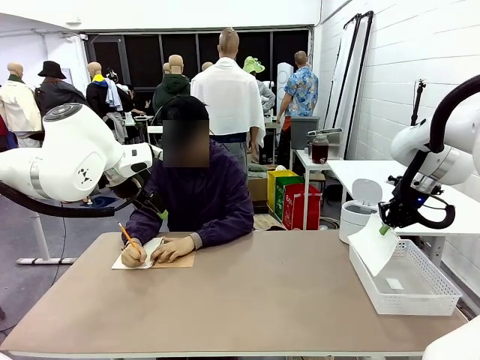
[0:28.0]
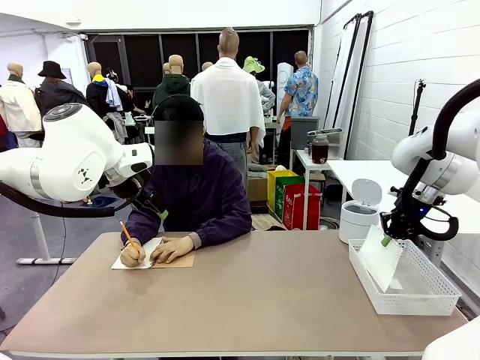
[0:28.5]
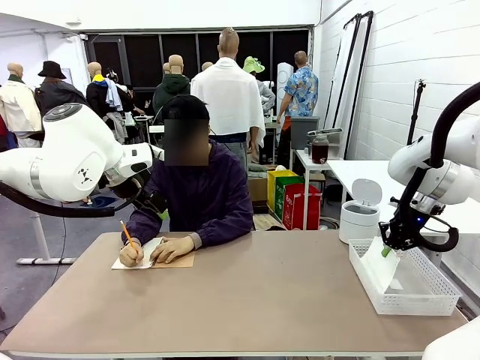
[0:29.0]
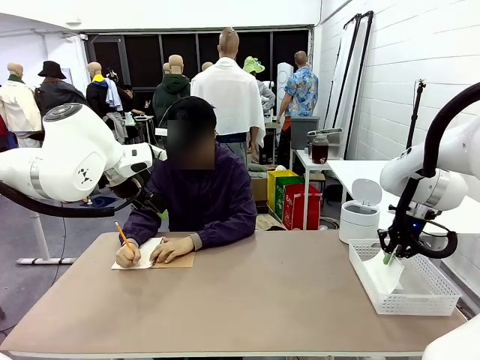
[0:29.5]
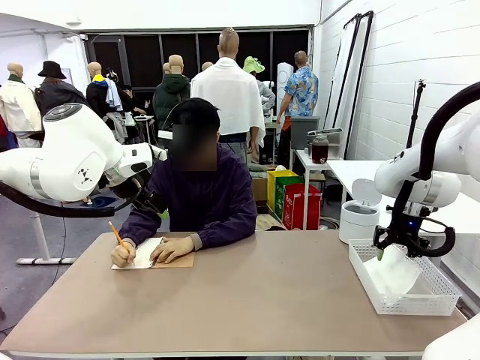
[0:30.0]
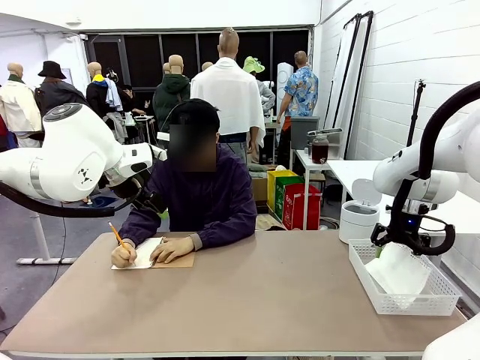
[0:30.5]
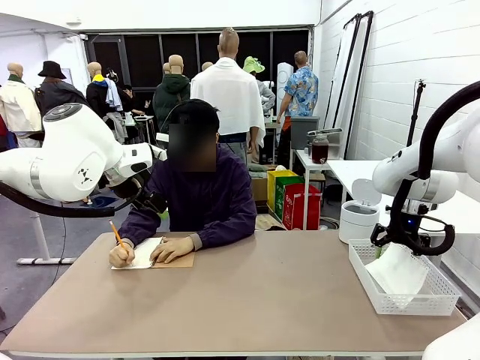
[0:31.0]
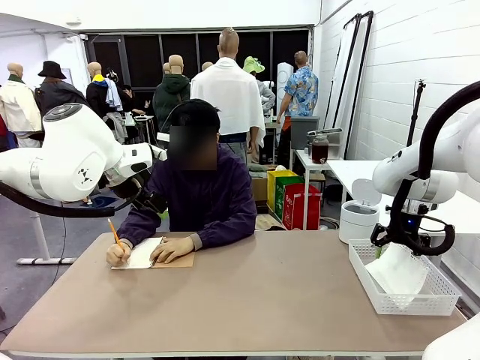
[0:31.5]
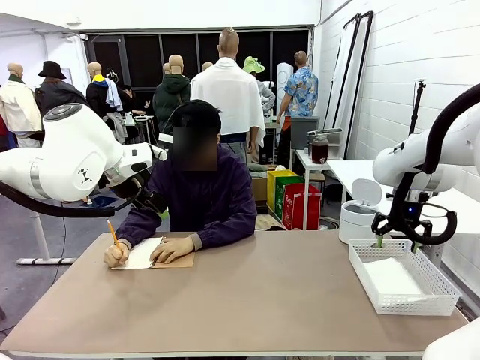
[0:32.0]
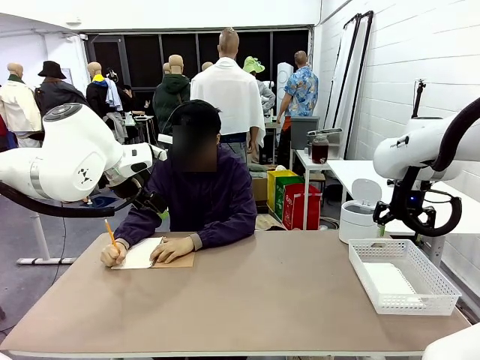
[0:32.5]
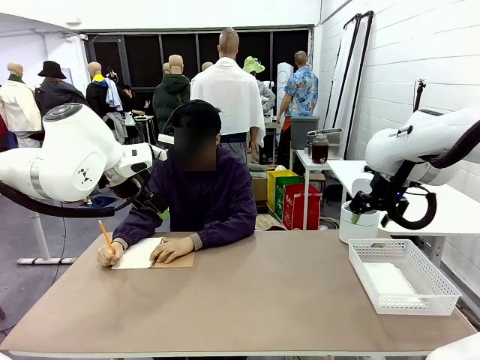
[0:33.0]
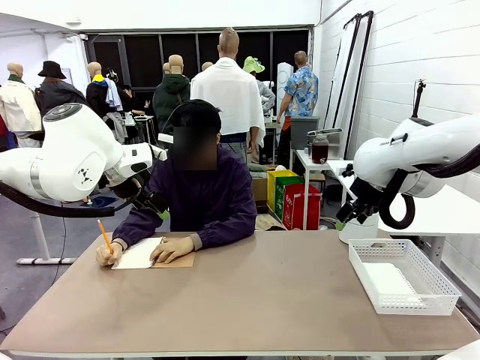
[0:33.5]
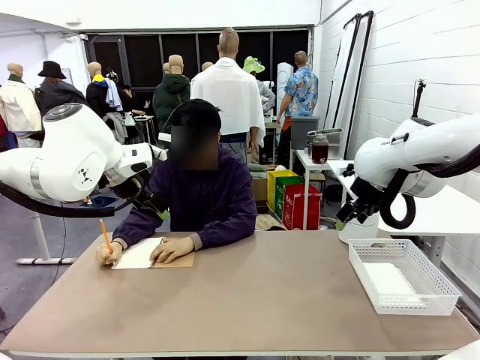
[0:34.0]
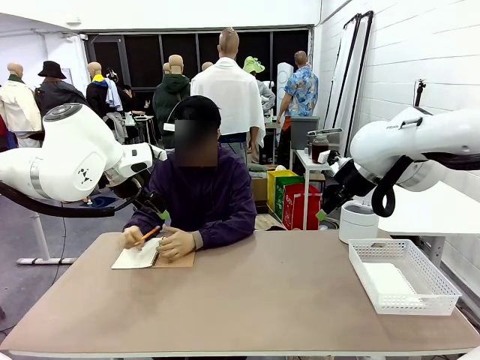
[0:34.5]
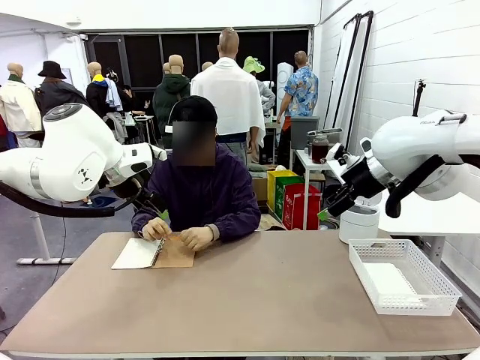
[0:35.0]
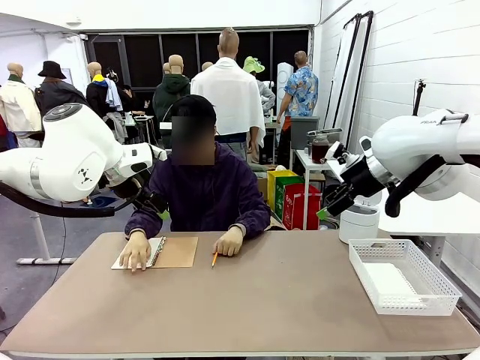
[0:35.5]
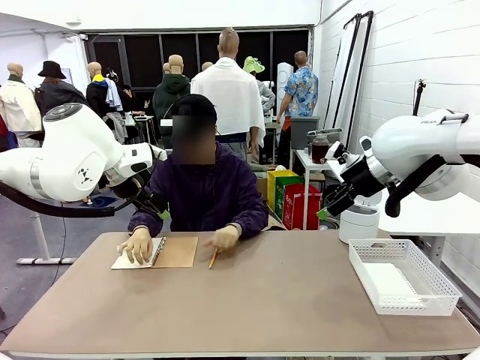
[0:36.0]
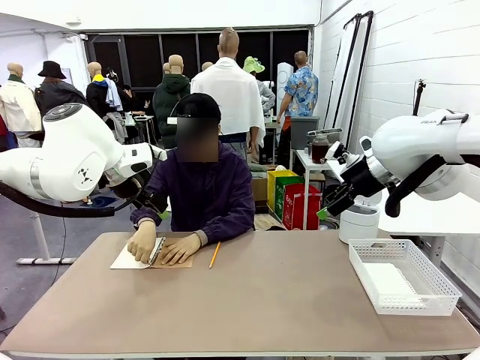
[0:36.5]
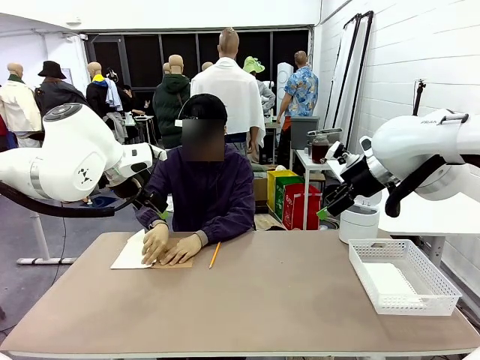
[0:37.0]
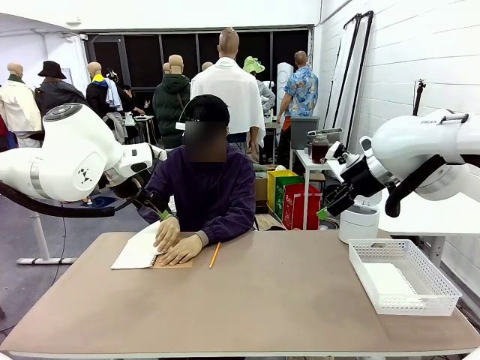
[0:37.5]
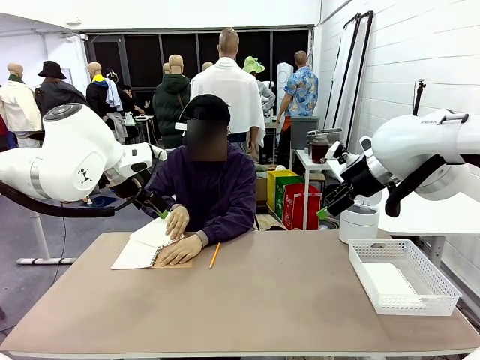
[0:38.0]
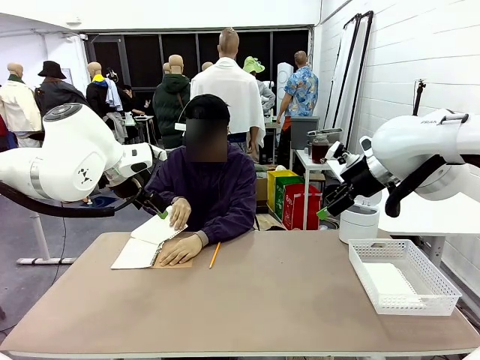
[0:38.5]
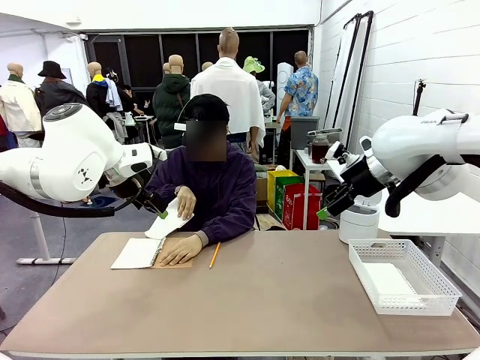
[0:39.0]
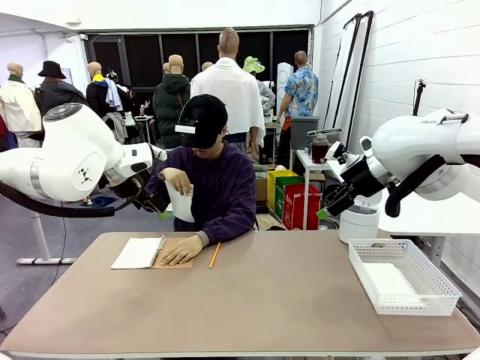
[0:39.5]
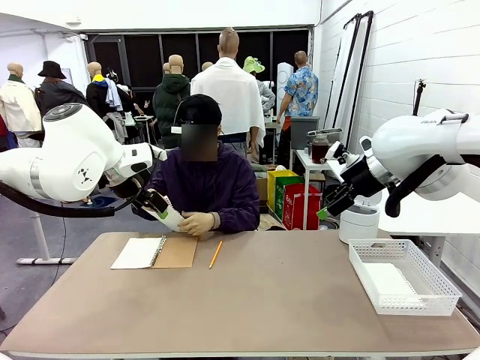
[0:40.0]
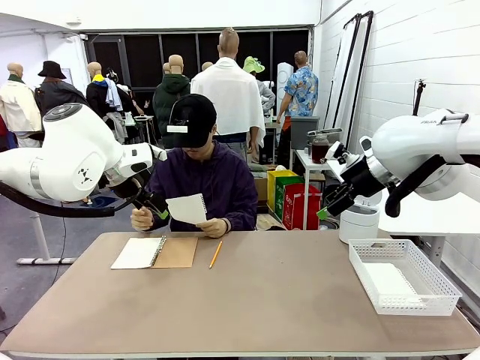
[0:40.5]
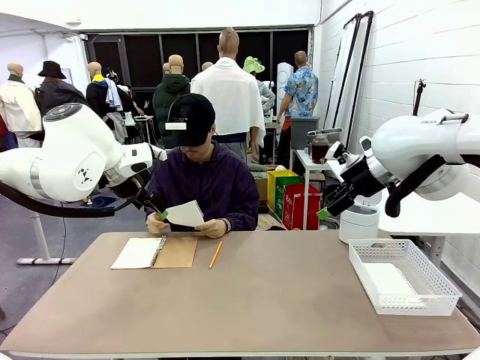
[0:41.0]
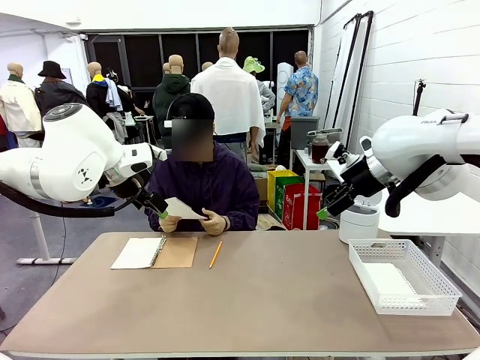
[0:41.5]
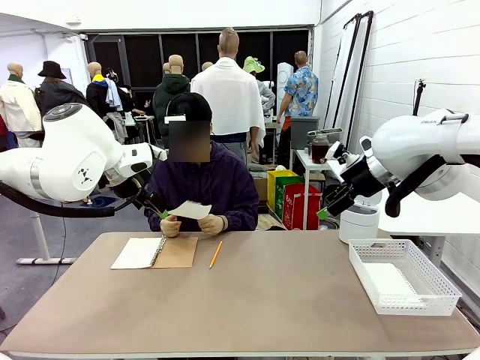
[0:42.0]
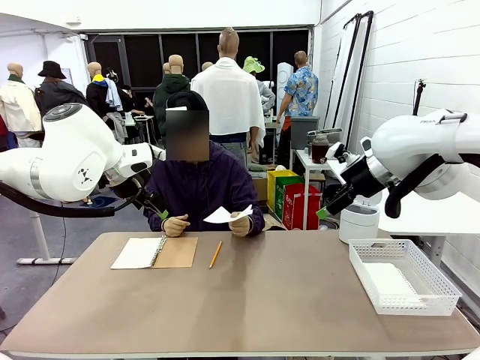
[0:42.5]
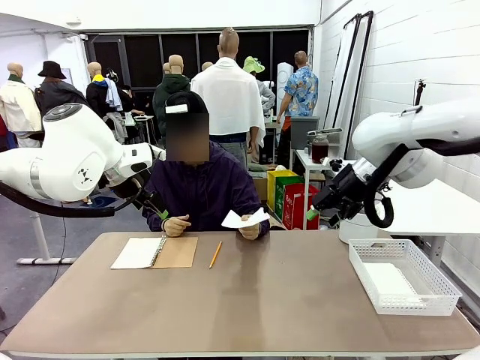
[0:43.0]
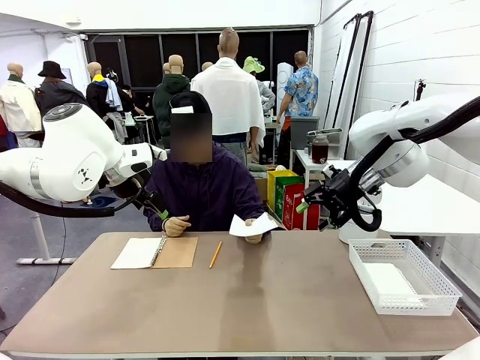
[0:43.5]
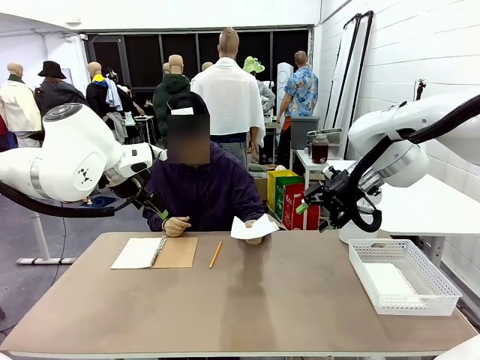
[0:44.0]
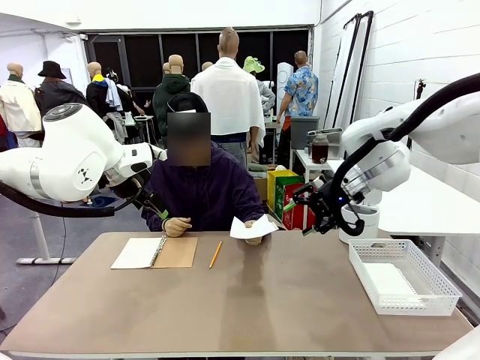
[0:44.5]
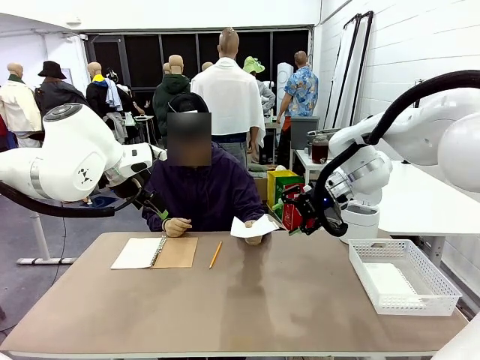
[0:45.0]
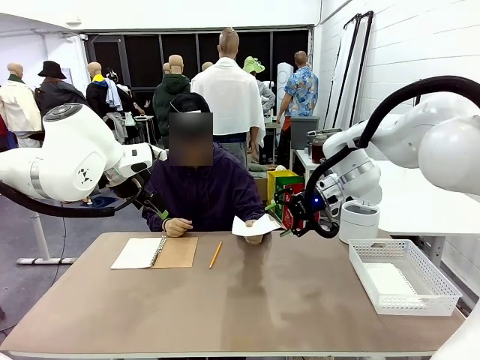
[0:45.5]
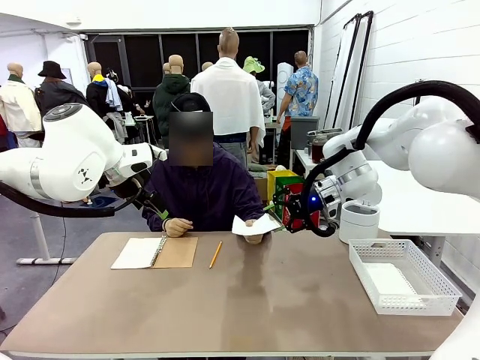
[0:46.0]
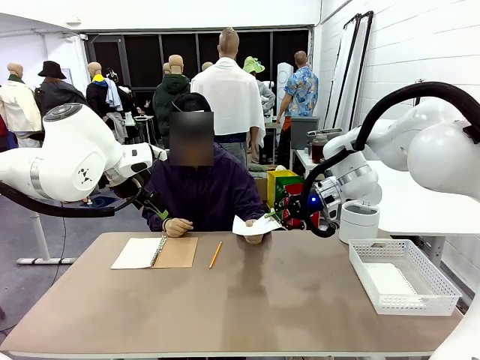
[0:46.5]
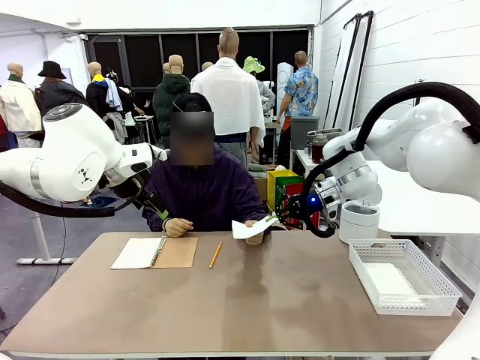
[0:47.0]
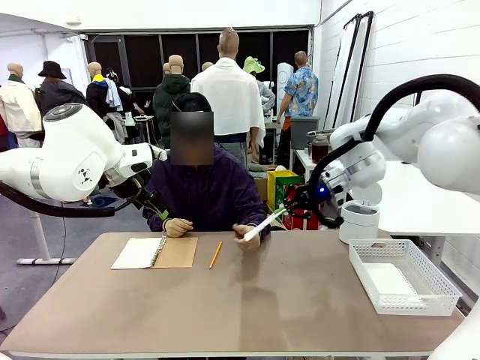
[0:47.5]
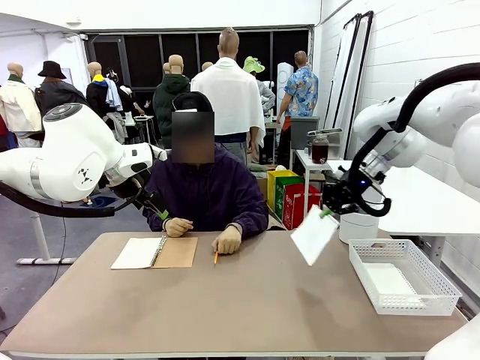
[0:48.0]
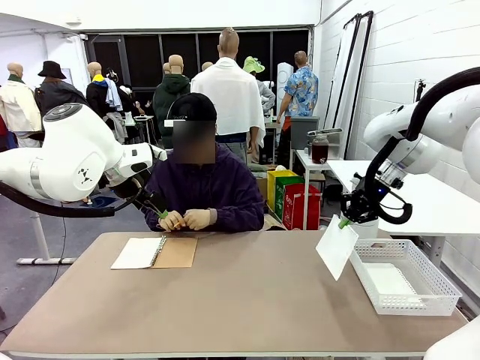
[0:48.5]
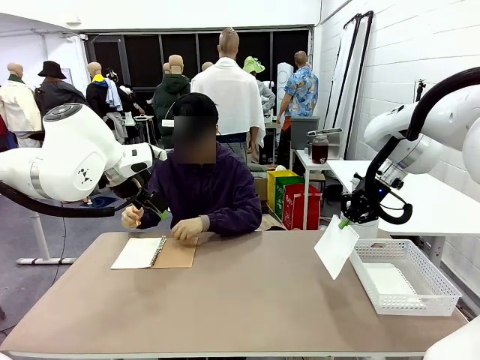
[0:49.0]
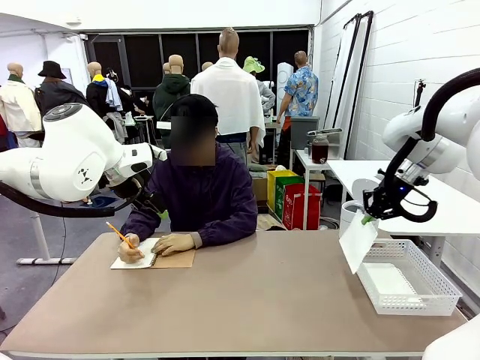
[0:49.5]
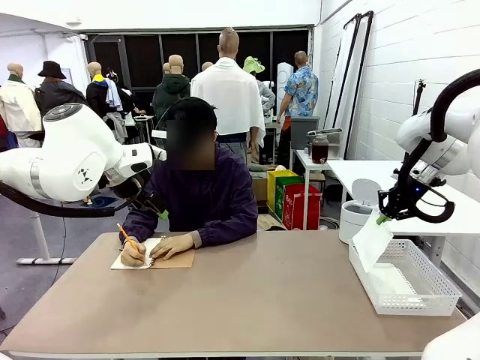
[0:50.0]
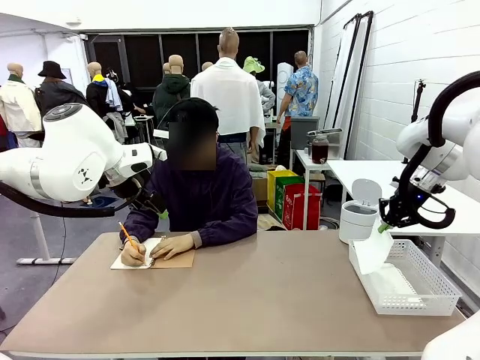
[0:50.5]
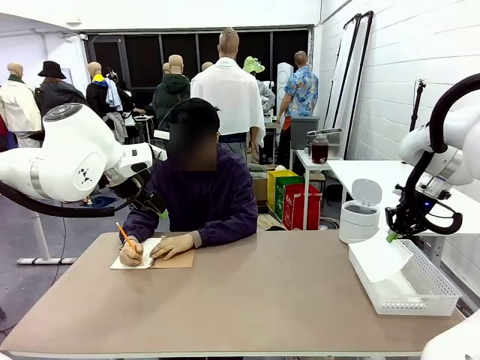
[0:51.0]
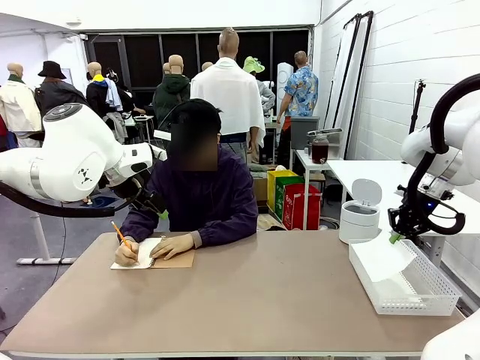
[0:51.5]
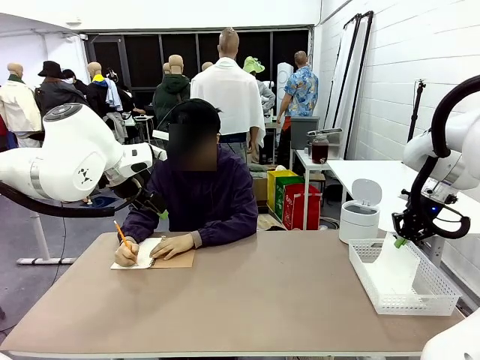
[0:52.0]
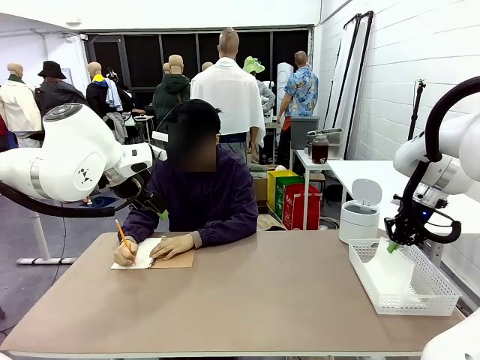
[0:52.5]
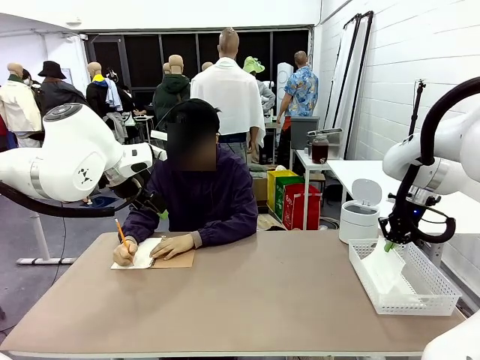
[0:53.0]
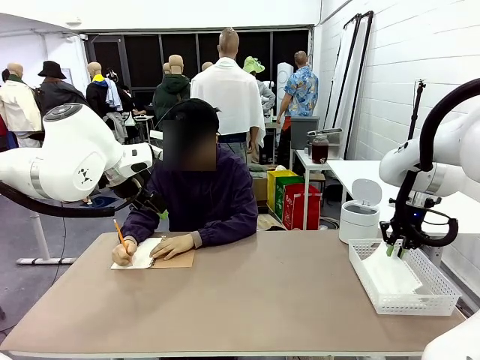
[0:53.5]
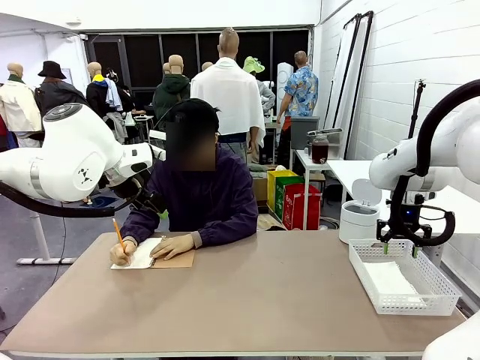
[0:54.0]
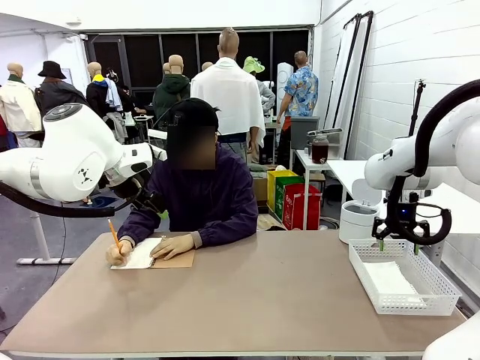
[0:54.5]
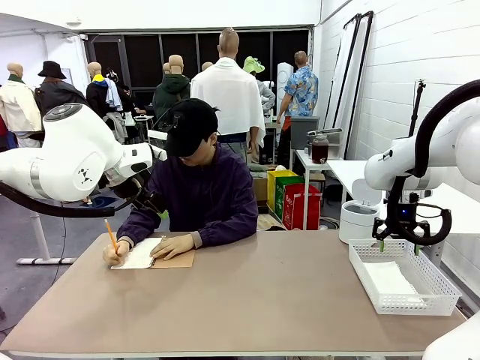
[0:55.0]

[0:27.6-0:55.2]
Task: Sort the paper based on its condition.
Robot: If a person hands you a paper, place it in the Organizing basket , and if it's crumpled, put it in the Trash can.
Person: Tear out a page from the spiral notebook. Hand the torn page to the robot or crumple it and throw it to the center of the table. Tear out a page from the spiral notebook.
